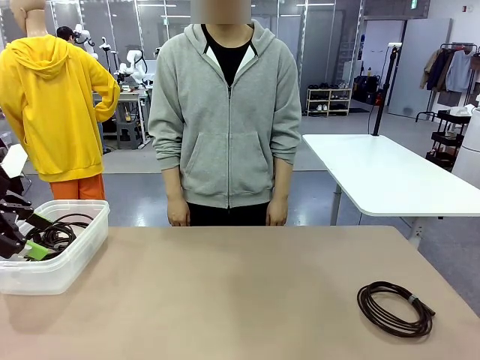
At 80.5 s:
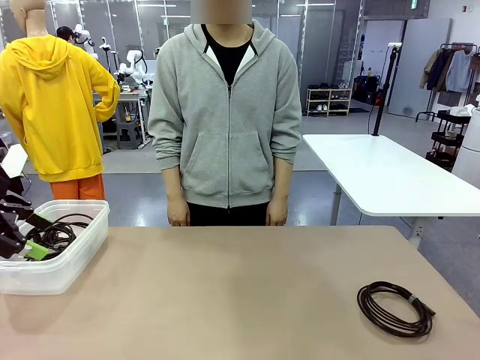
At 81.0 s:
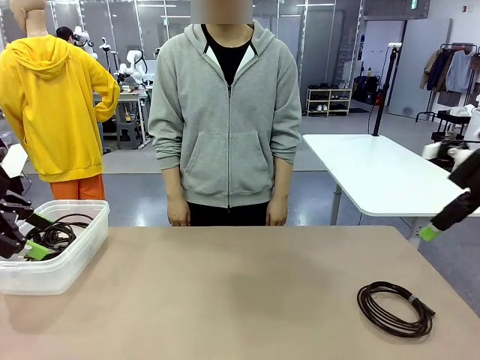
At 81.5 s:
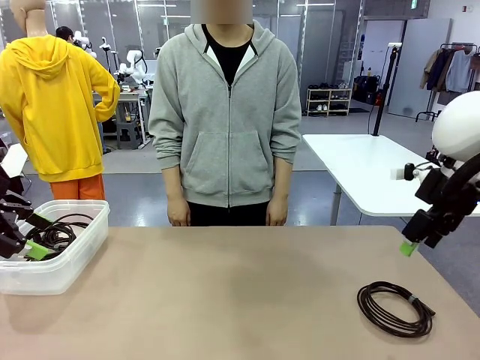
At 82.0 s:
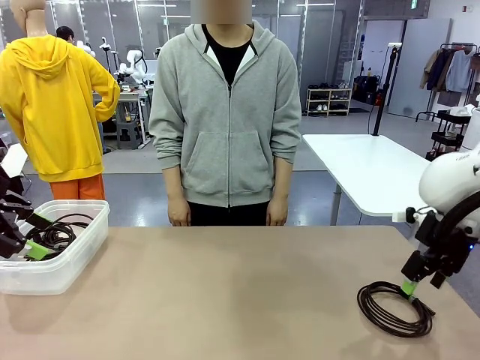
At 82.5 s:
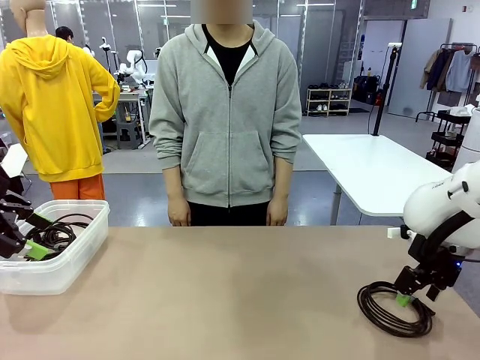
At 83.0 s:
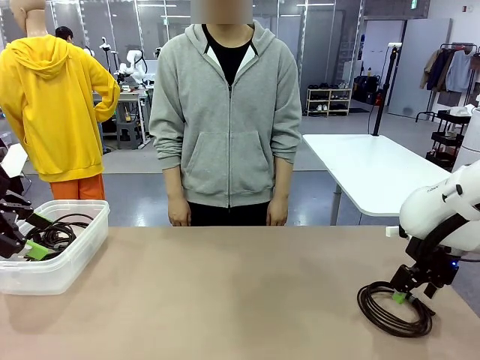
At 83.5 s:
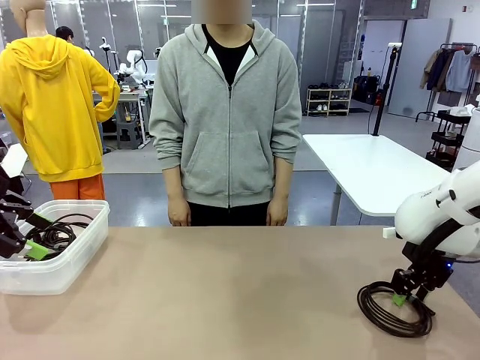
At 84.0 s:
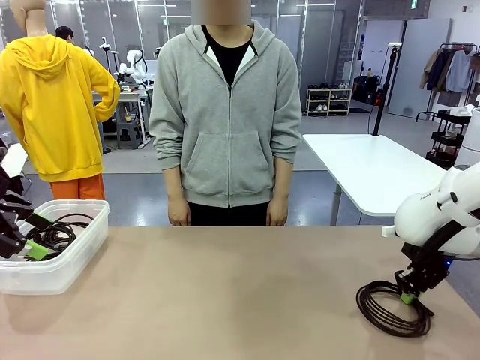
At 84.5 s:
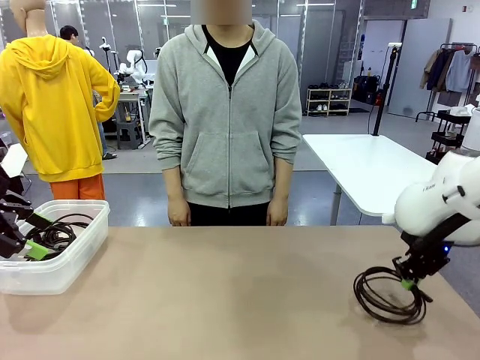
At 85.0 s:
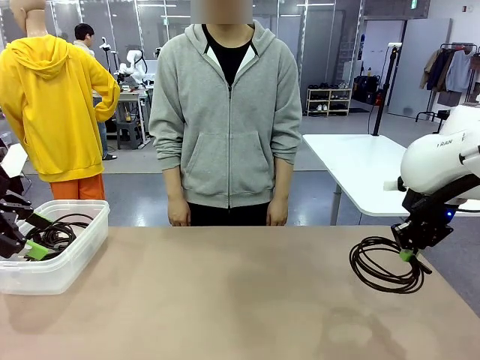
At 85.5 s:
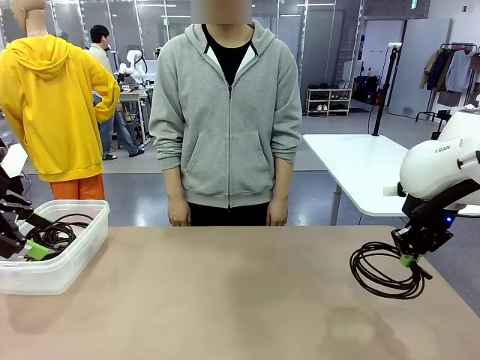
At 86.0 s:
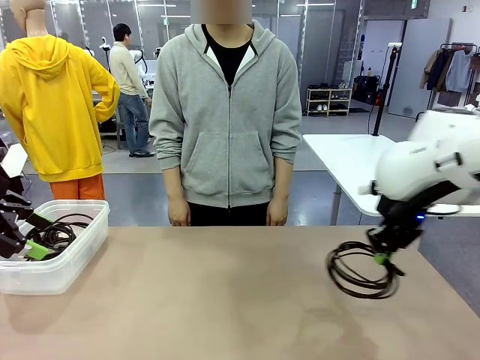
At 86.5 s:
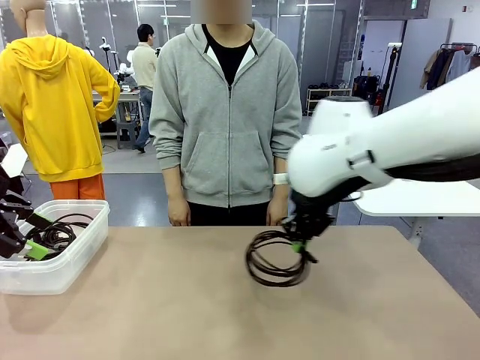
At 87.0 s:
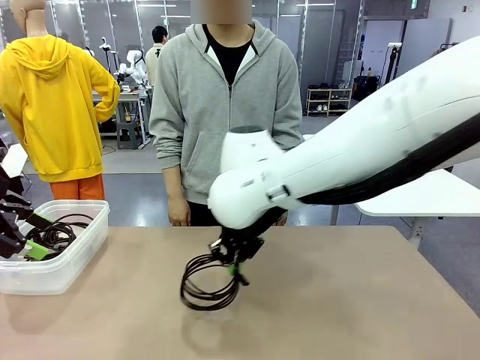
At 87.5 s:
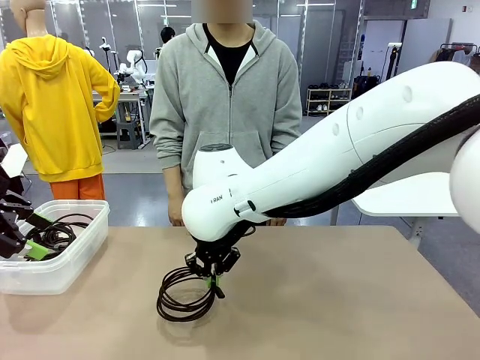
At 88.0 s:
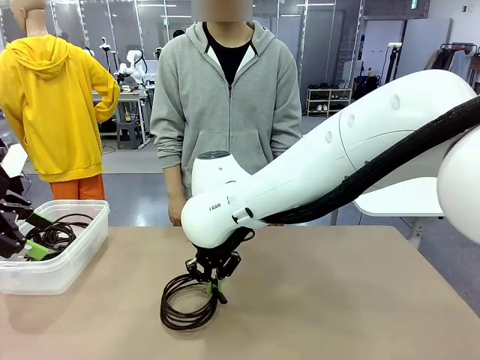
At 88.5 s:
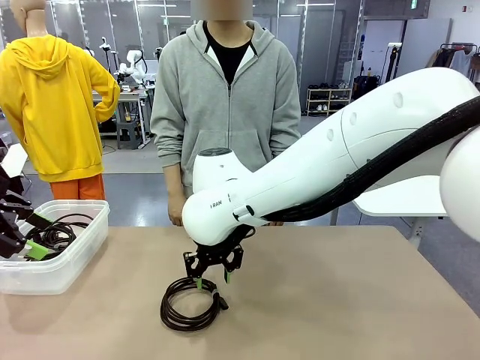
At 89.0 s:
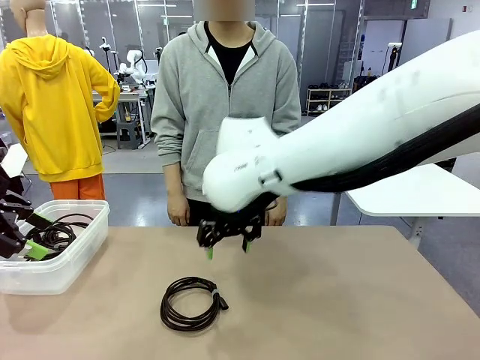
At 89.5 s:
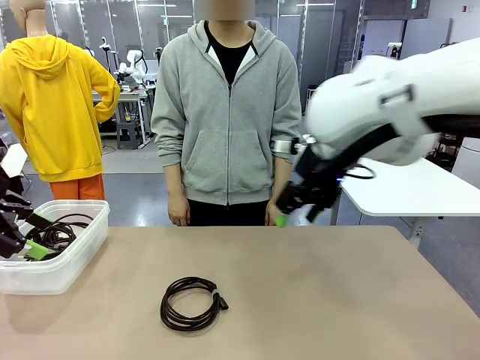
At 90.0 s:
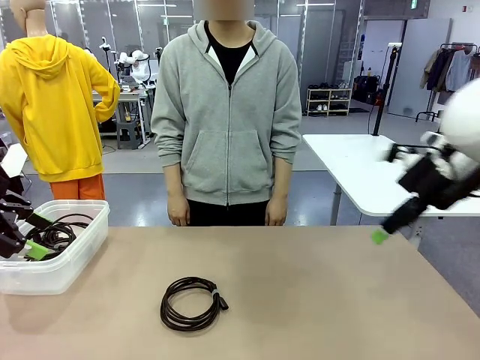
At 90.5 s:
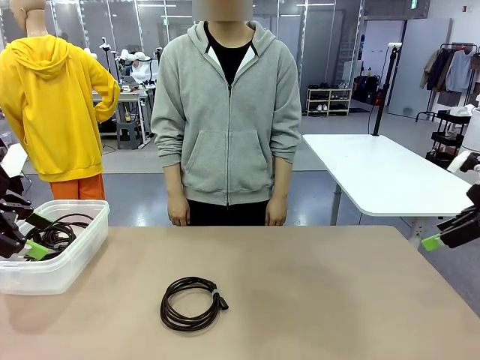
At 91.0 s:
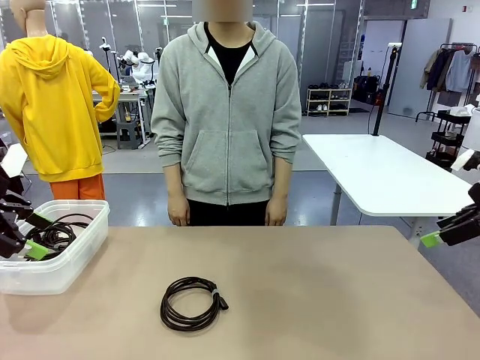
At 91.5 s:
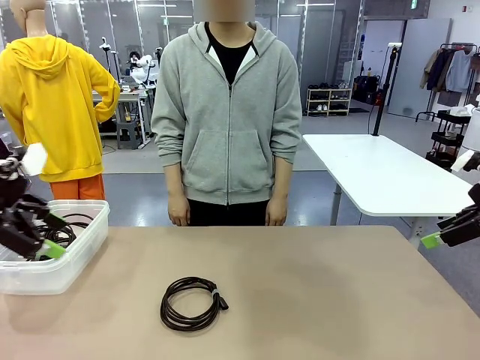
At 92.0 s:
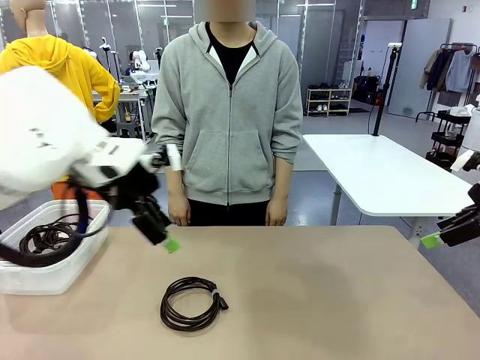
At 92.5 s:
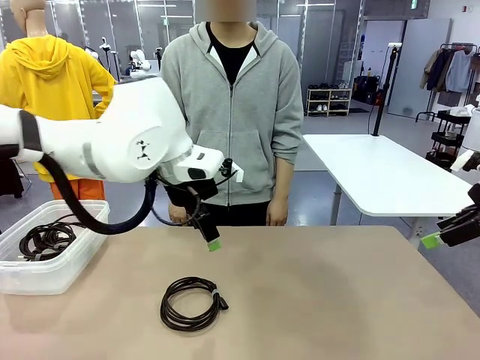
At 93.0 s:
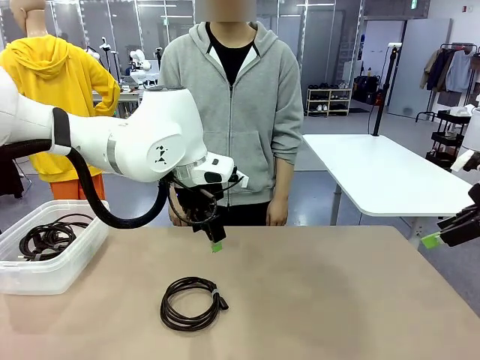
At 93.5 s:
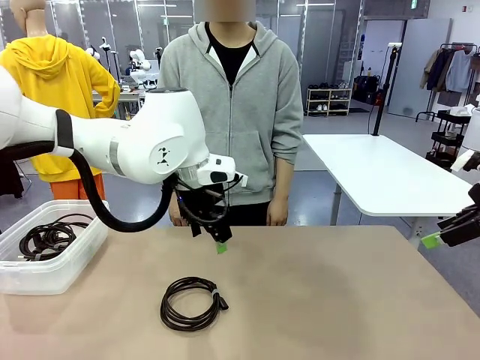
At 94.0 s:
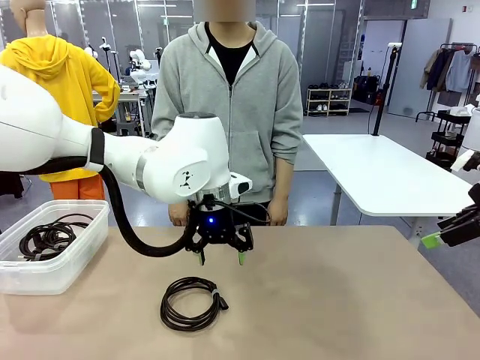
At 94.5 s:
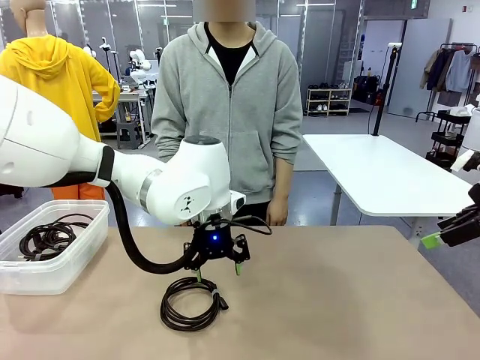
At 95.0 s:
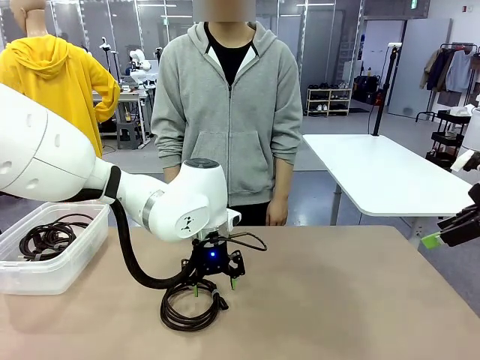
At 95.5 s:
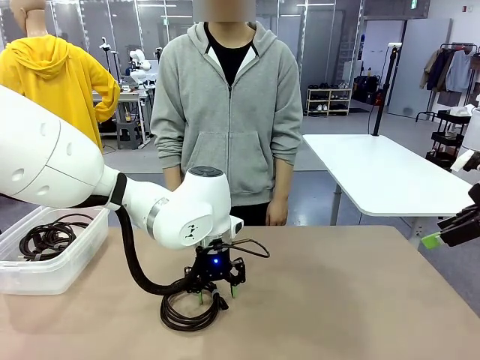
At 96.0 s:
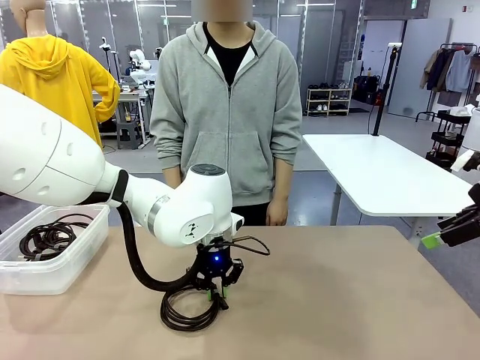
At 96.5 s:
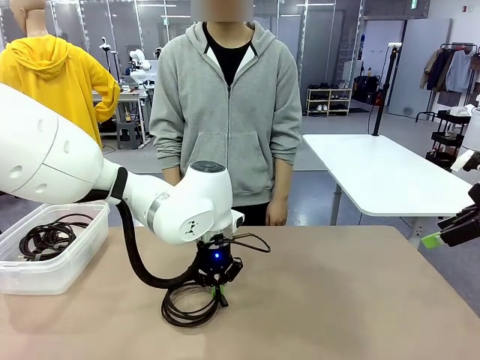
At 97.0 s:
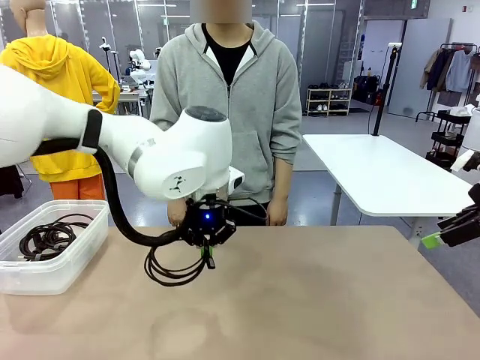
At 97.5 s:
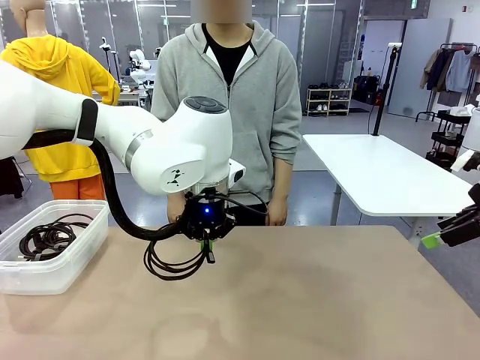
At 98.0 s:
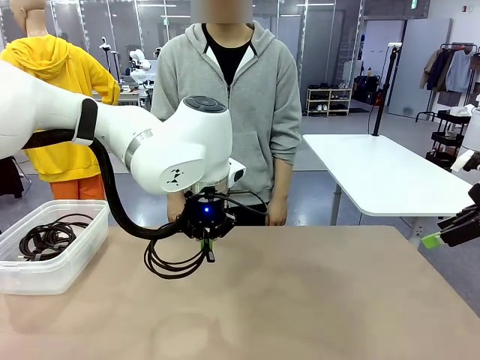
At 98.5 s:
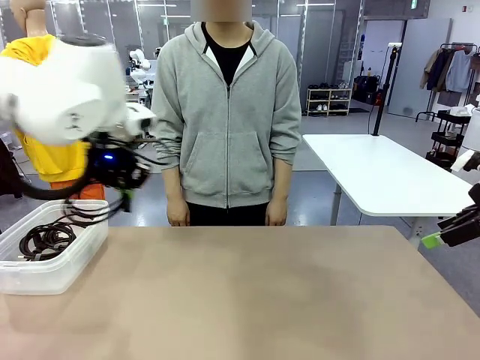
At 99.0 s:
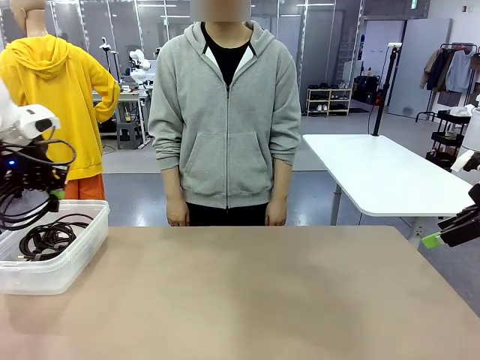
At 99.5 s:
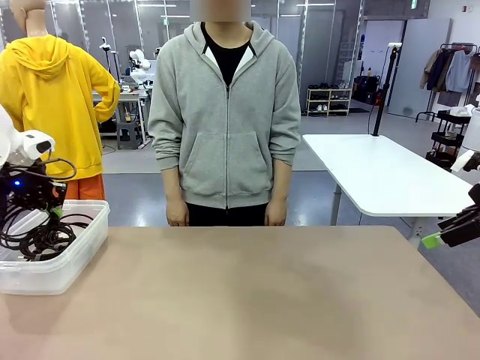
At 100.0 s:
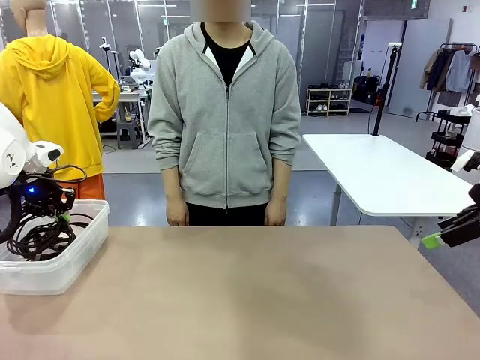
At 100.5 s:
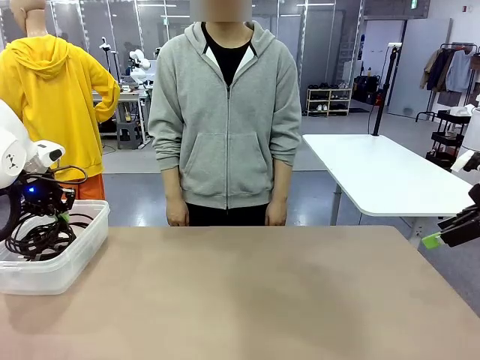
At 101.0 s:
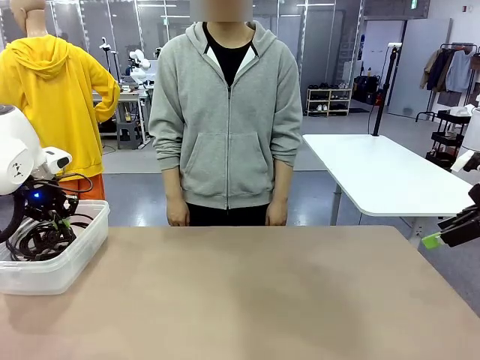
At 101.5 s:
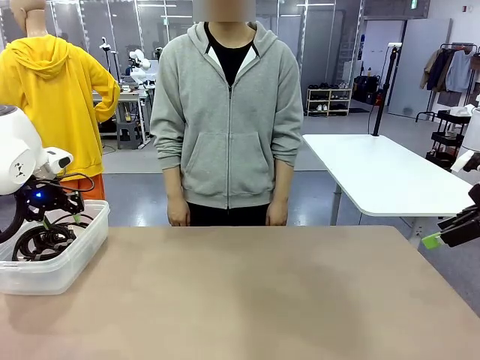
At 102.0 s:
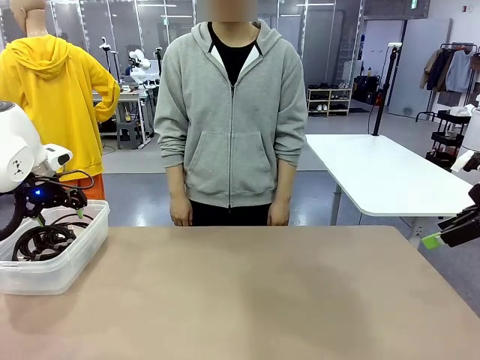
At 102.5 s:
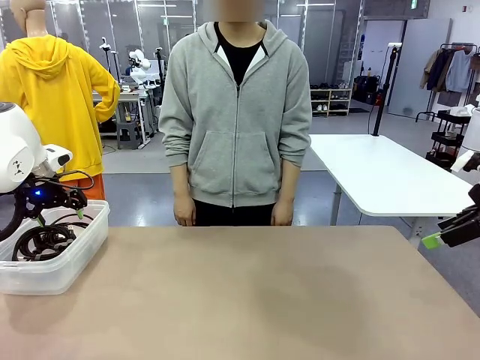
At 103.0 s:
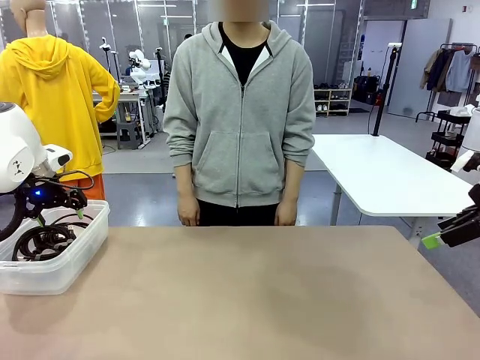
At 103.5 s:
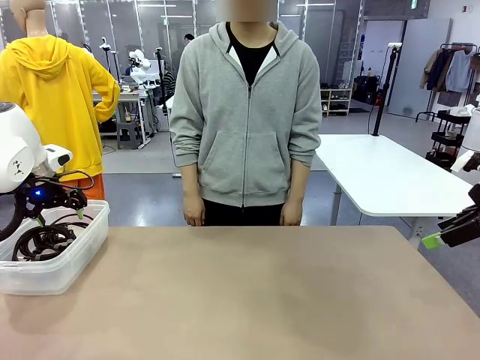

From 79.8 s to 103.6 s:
Task: Organize and store the cables.
Robot: Place the USB Extension Cable into the Organizing box.

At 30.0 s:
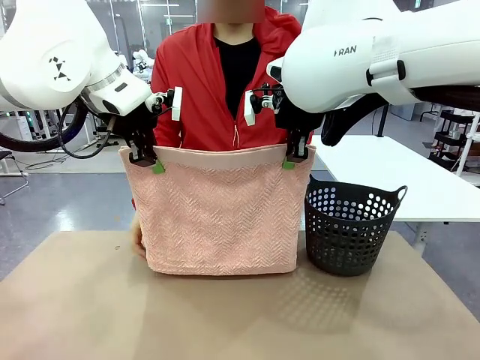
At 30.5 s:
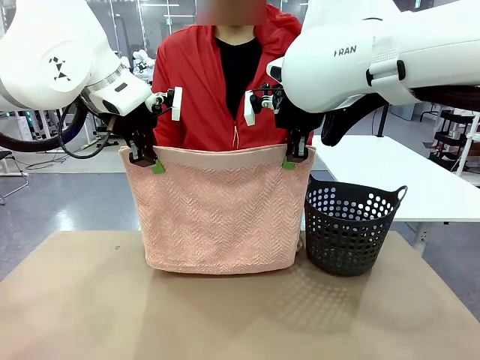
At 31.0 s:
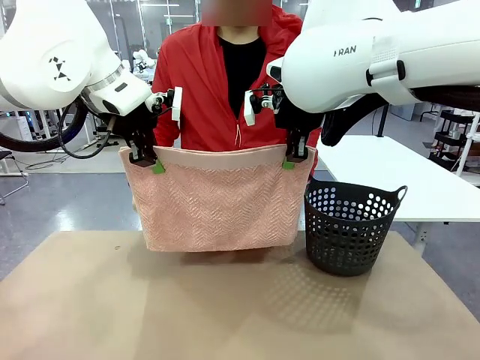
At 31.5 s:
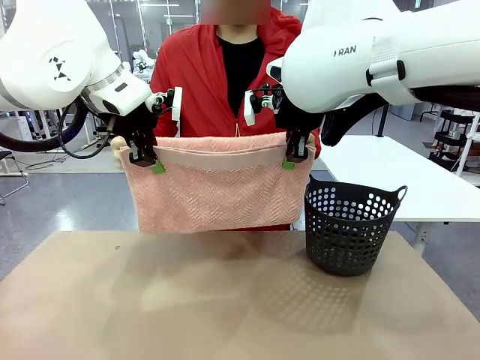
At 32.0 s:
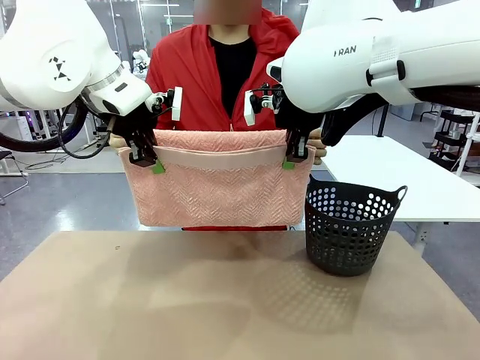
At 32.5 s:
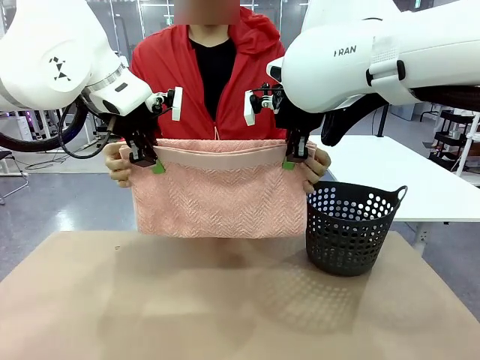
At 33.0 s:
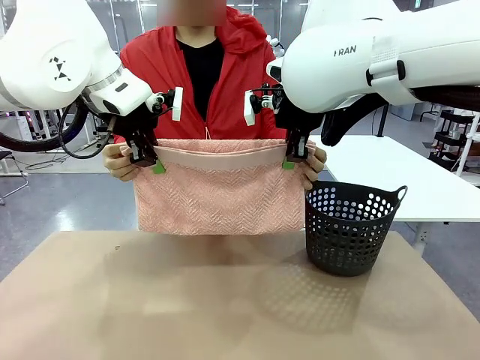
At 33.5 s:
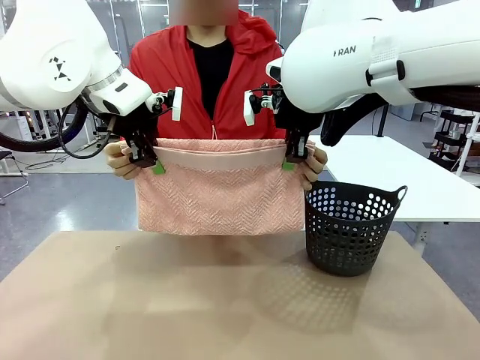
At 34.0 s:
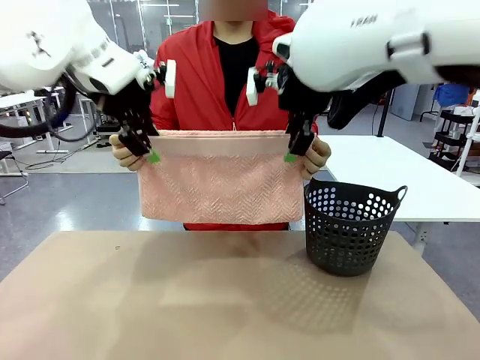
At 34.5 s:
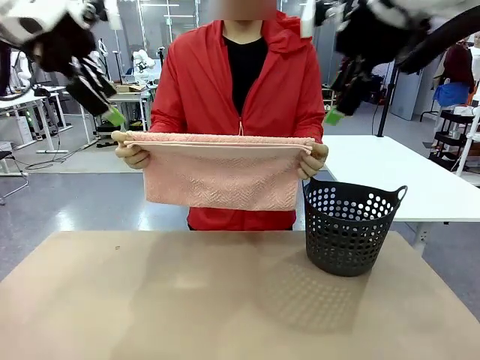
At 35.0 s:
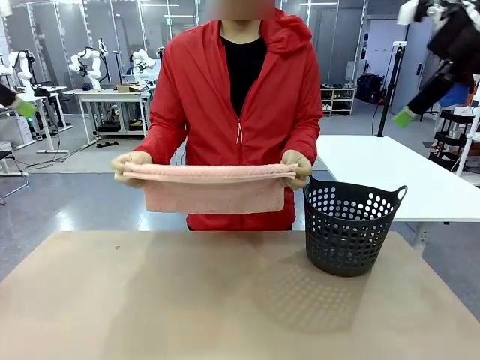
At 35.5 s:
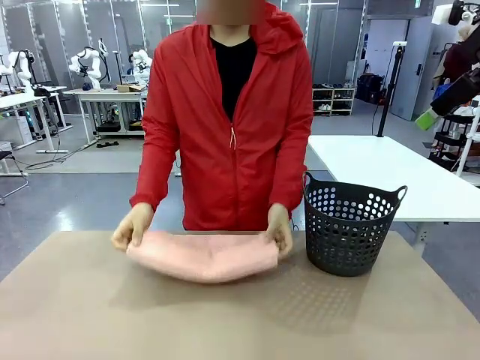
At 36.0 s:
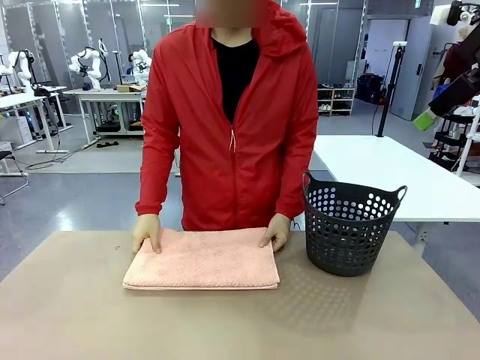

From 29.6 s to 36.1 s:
Task: Fold the towel.
Robot: Release the end of the 100 cm Hotel Towel you were holding.
Person: Place the towel at the center of the robot table and fold it in half.
